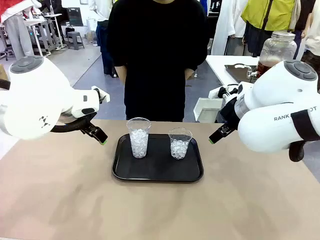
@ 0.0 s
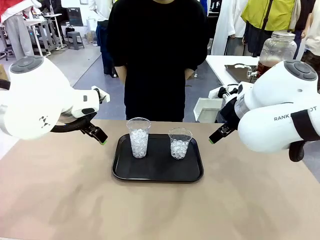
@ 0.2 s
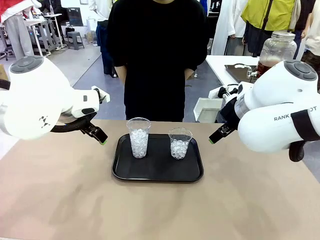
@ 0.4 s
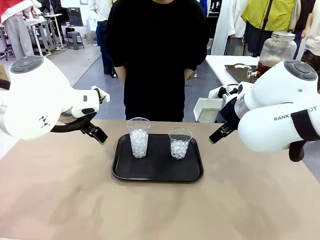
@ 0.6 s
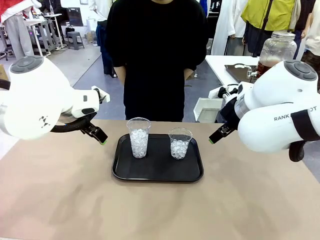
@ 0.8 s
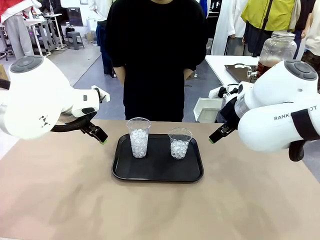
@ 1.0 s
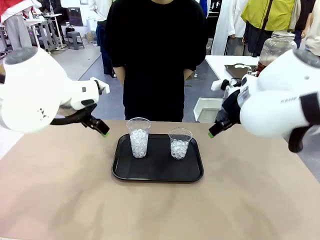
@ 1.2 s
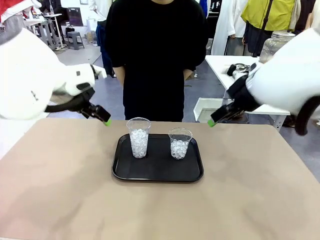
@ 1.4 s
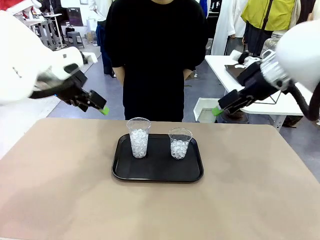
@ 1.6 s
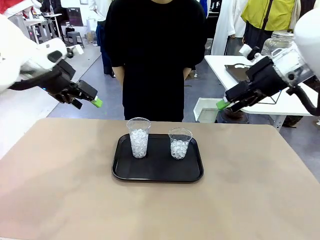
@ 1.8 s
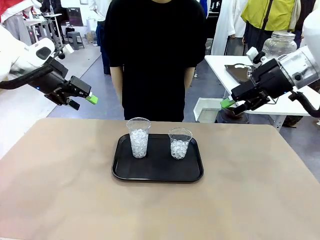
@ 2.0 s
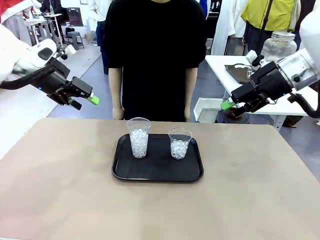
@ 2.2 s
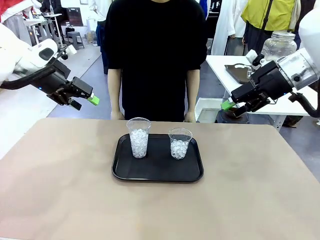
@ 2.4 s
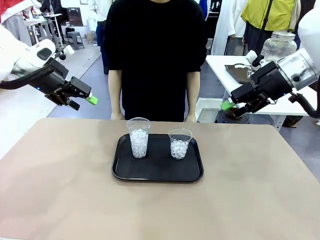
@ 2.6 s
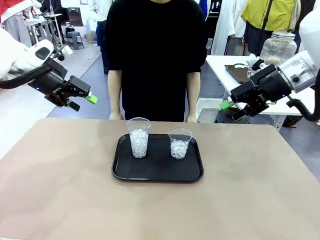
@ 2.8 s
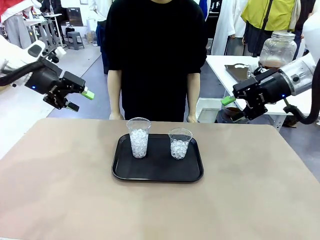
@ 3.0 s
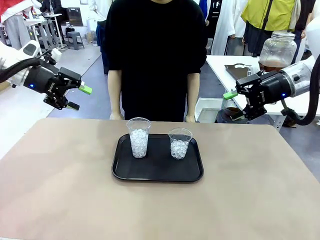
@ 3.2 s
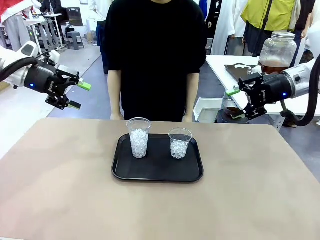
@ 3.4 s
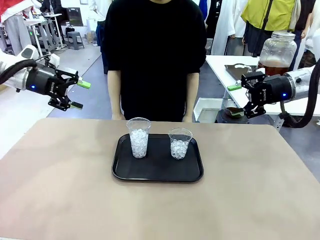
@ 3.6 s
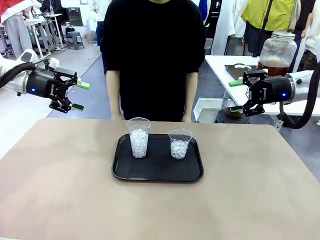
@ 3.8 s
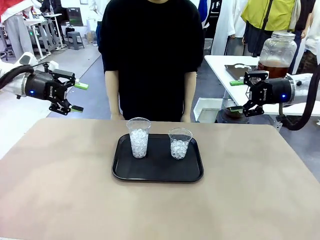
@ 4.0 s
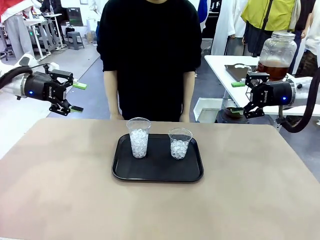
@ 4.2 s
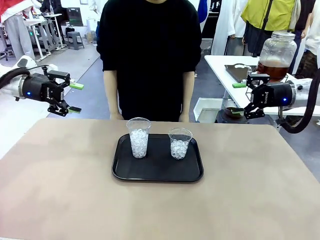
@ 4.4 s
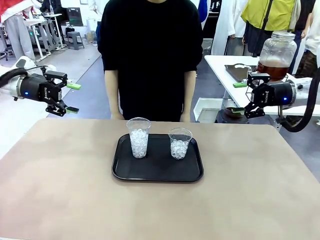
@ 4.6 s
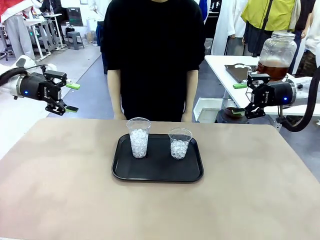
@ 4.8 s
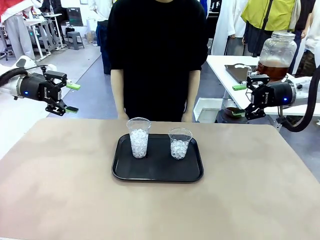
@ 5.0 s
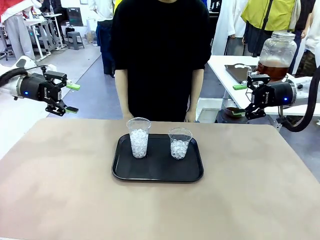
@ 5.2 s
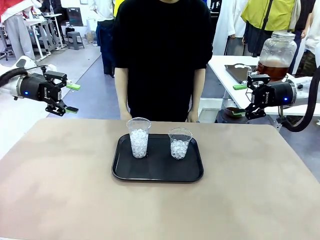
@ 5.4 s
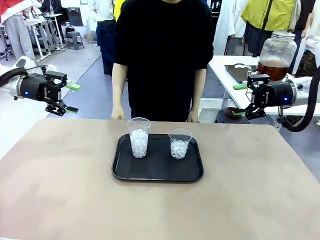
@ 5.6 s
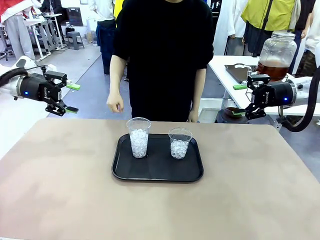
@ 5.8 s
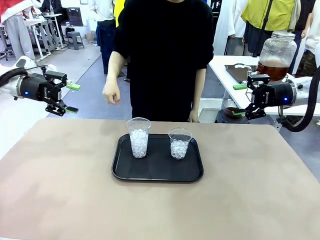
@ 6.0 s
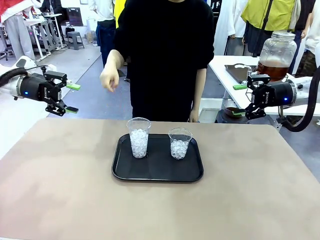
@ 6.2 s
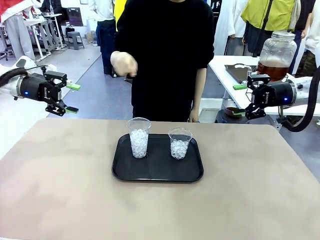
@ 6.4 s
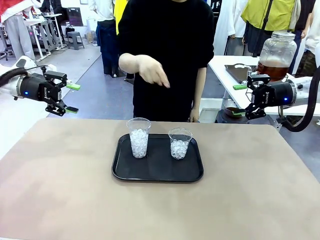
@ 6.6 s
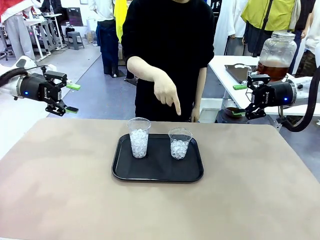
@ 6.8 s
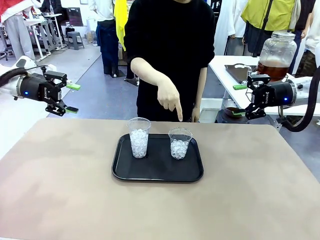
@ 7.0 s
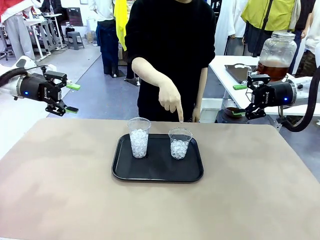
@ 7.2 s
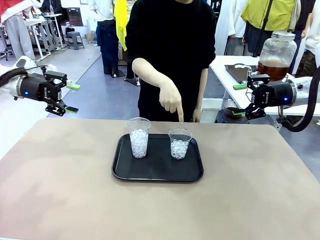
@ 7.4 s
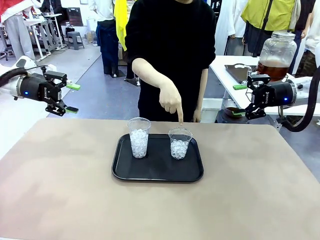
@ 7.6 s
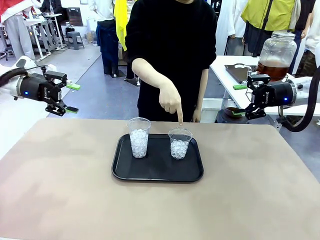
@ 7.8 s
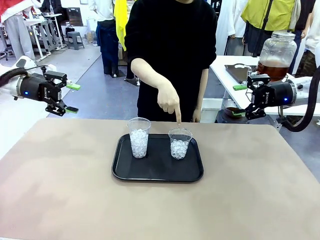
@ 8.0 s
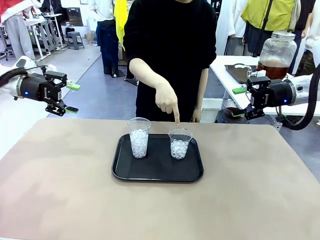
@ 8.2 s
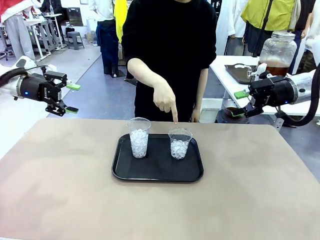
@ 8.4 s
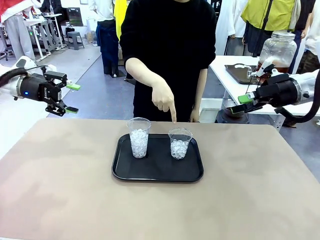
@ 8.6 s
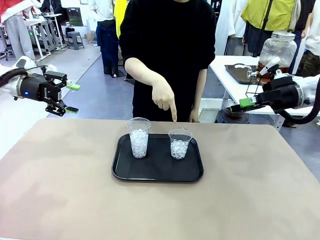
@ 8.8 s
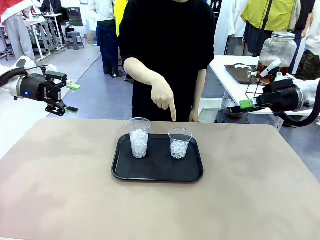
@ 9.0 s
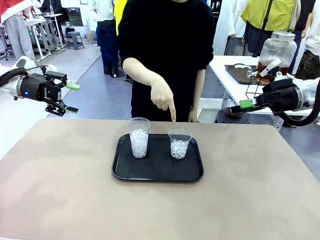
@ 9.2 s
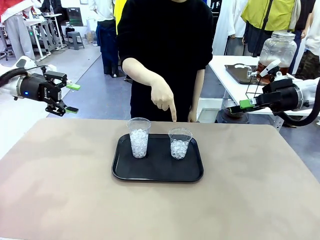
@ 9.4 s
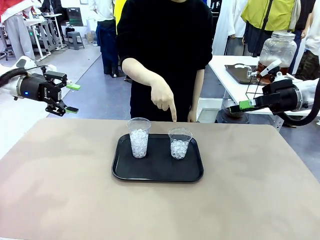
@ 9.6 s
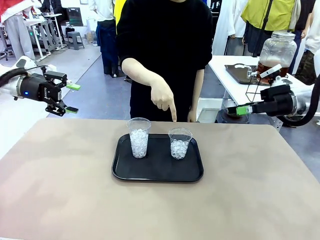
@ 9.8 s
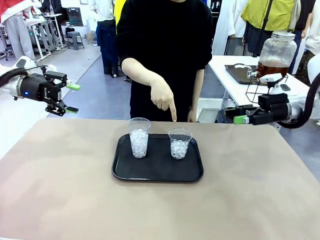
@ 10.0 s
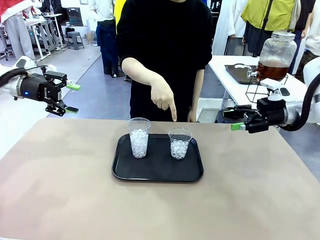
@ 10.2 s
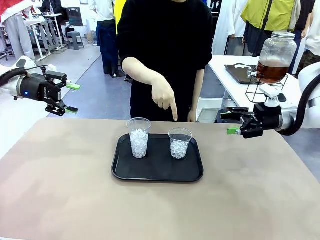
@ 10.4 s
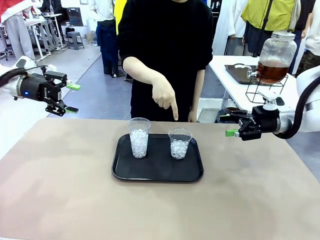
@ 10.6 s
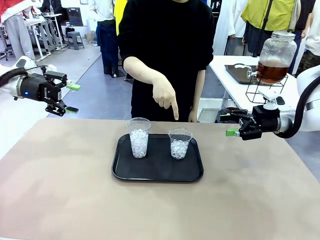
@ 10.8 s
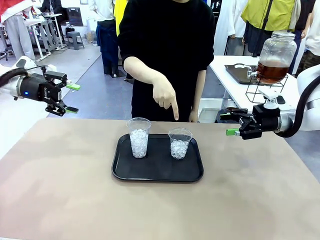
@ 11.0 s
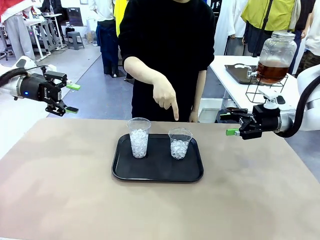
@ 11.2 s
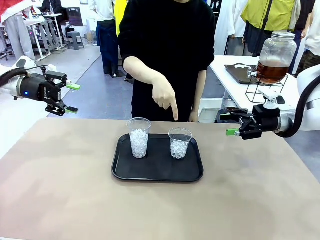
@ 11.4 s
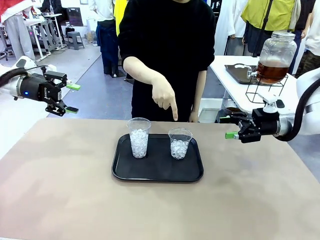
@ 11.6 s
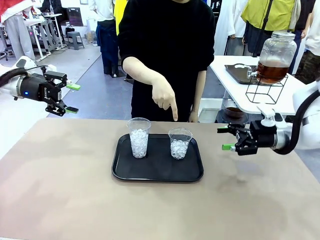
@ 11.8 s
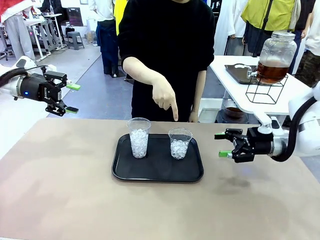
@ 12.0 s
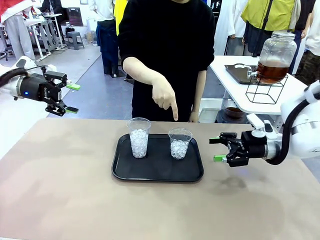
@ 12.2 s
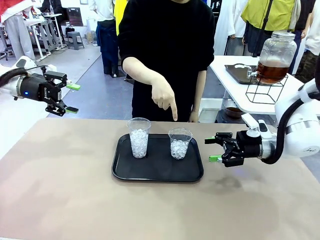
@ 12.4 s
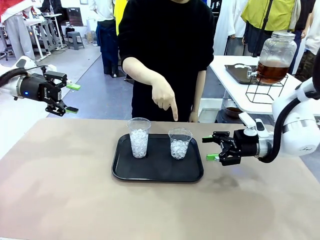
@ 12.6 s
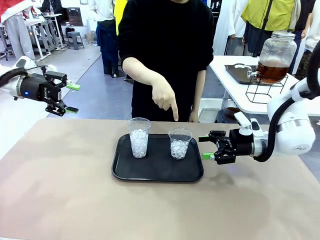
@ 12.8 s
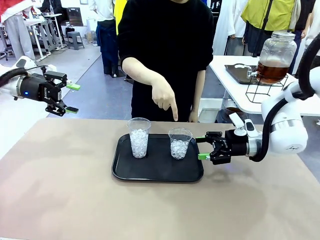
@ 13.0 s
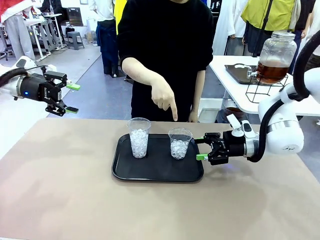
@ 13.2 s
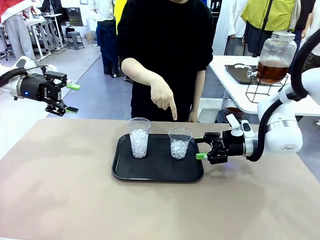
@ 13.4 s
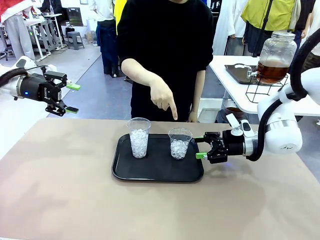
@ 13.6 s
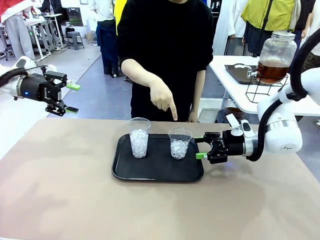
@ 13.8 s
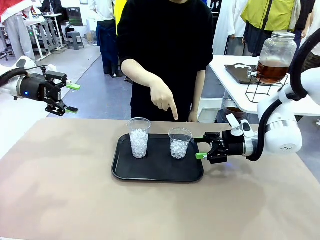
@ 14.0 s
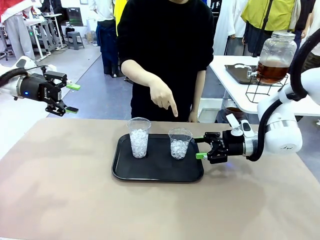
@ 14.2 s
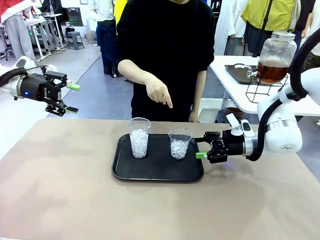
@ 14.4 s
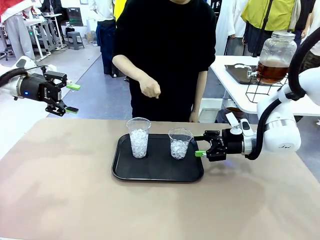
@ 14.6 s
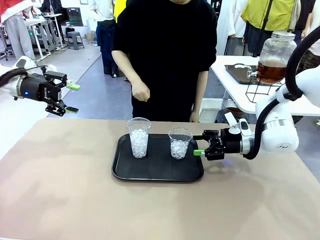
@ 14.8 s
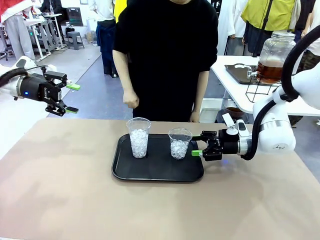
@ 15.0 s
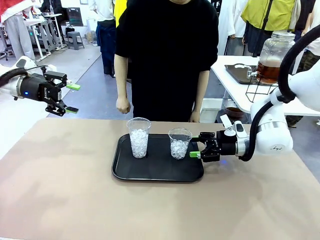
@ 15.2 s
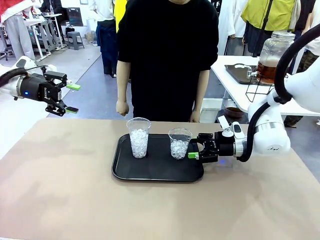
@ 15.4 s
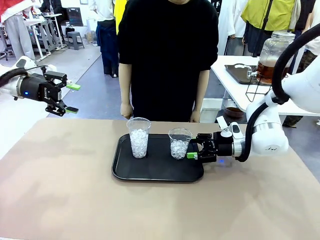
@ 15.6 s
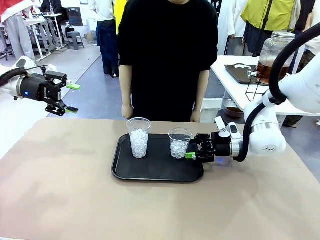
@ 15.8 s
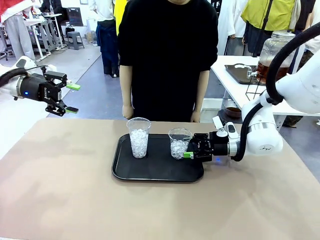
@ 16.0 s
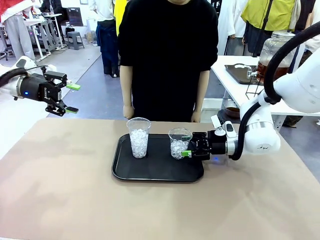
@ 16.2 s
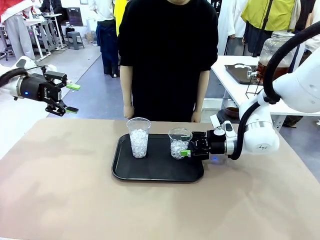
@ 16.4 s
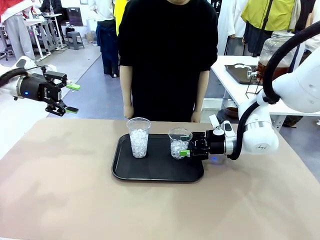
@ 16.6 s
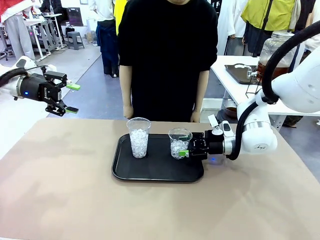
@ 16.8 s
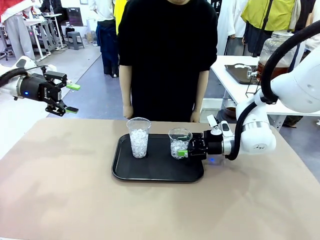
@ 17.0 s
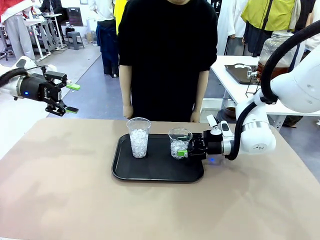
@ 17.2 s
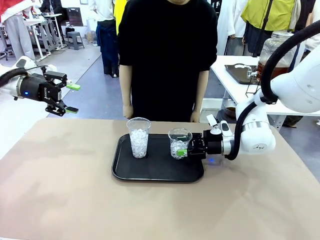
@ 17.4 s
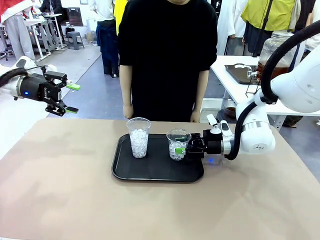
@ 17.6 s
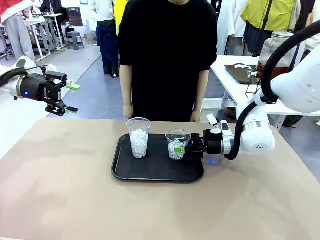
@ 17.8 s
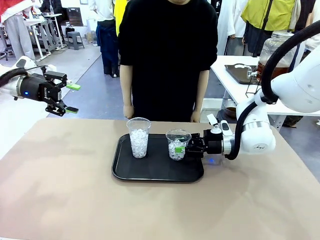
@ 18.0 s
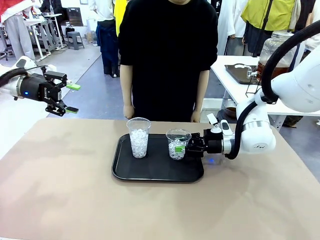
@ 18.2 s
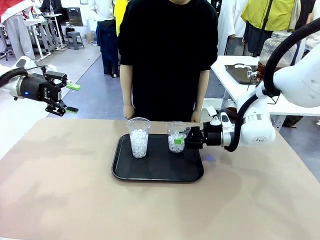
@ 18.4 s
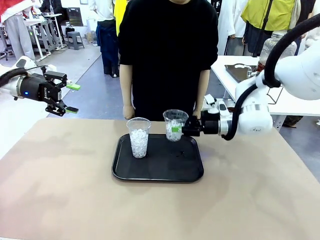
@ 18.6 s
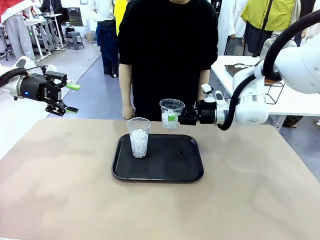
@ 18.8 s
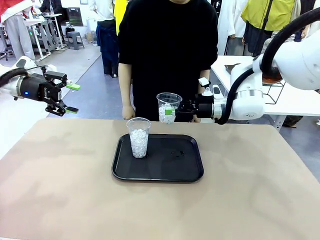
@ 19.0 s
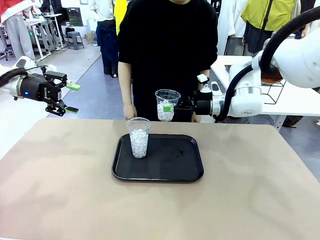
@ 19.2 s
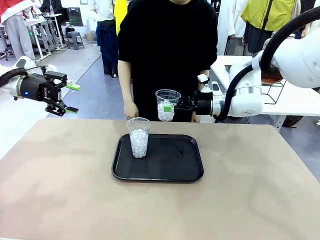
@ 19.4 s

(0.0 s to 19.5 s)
Task: Pour the drink into the iced cup.
Robot: Pick up the iced cup indicated by the human and present it to them.
Person: Point to one of the two ice cups. Pick up the cup offered by the robot.

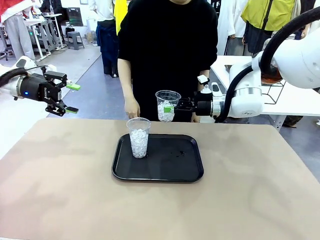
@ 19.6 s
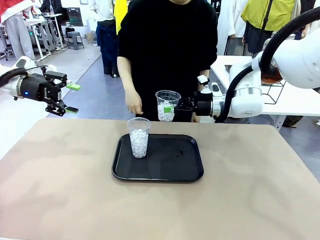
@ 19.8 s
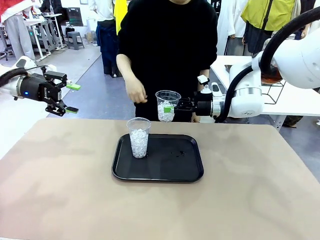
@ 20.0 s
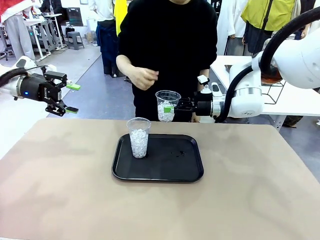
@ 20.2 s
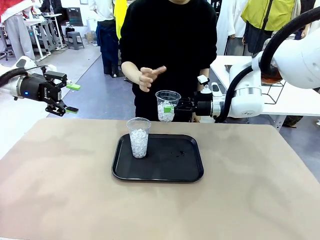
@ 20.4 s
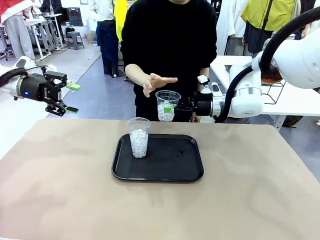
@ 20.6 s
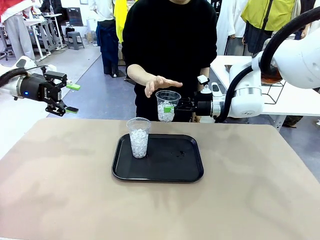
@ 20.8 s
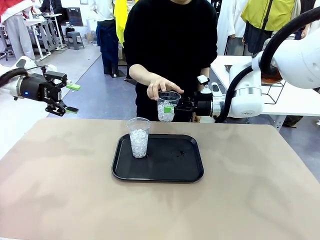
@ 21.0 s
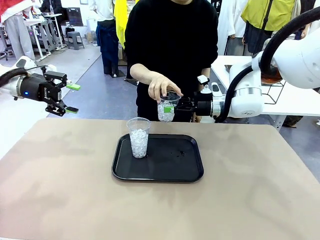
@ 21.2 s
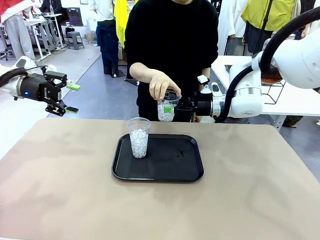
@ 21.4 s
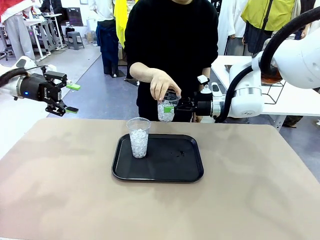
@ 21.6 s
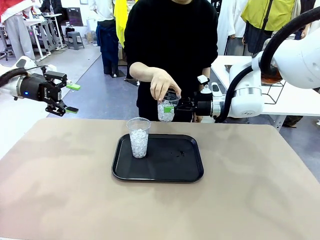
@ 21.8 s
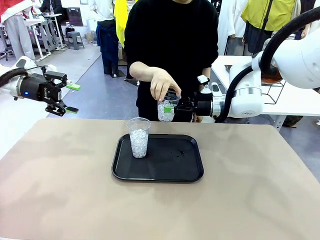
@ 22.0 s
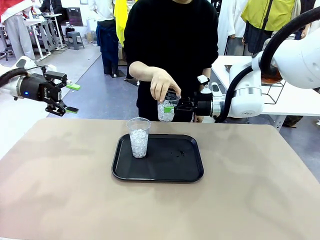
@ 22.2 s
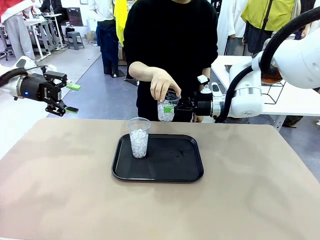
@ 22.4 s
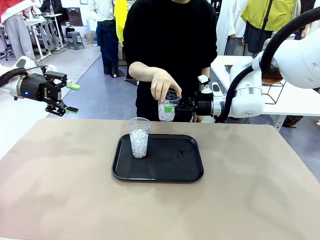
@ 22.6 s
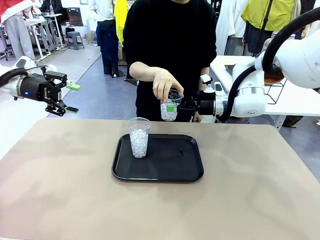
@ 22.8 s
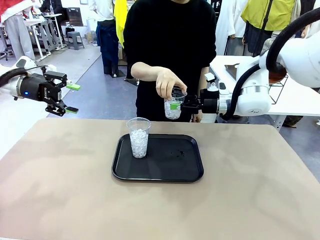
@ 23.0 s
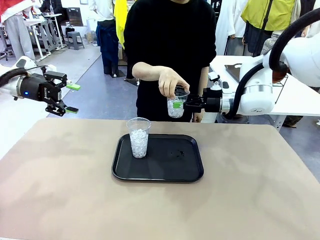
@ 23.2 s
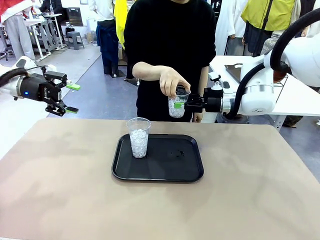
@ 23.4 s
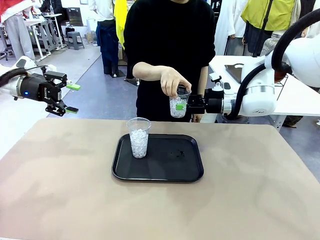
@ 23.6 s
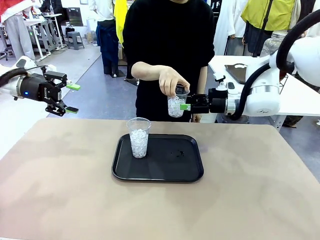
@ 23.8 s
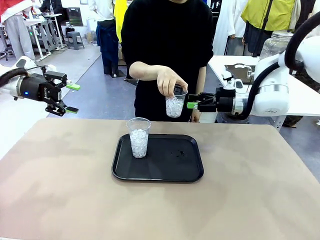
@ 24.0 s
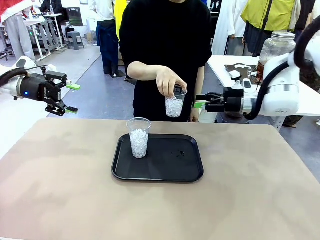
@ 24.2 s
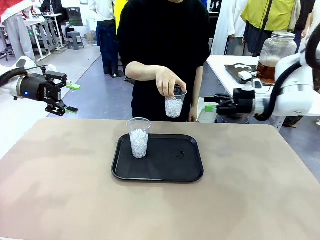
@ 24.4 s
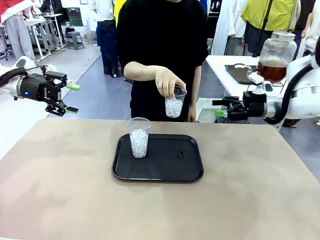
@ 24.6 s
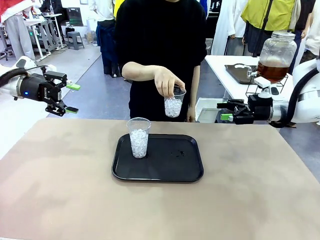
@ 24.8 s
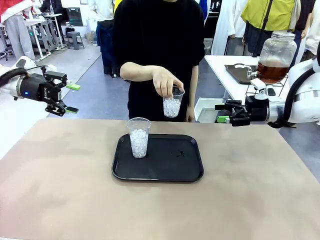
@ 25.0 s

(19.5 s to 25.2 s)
Robot: Open the gripper to release the iced cup you were holding.
